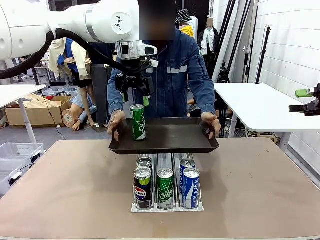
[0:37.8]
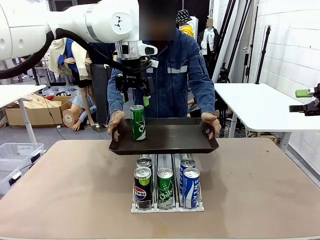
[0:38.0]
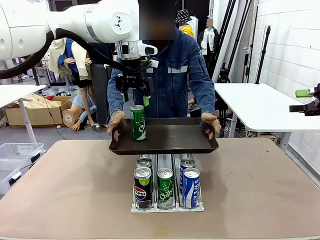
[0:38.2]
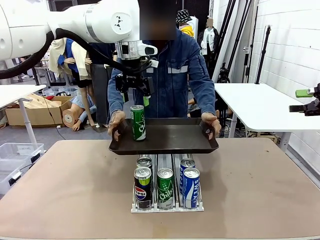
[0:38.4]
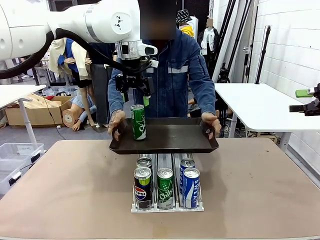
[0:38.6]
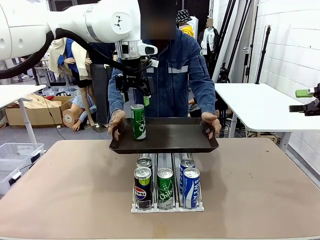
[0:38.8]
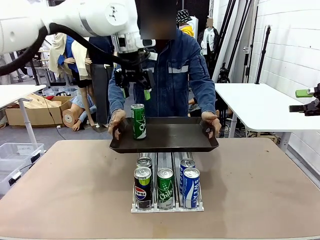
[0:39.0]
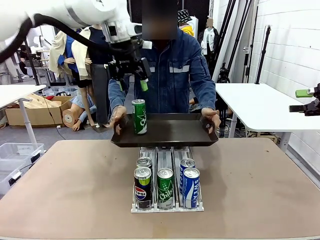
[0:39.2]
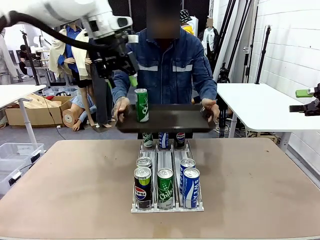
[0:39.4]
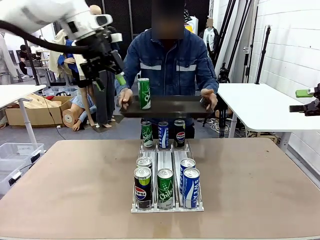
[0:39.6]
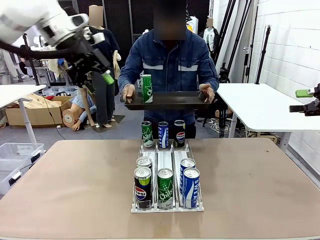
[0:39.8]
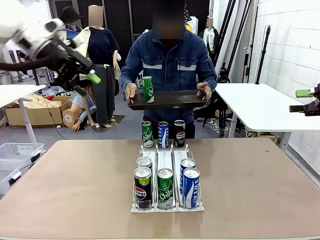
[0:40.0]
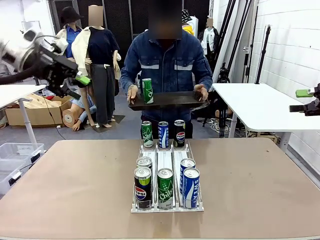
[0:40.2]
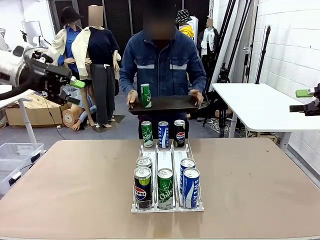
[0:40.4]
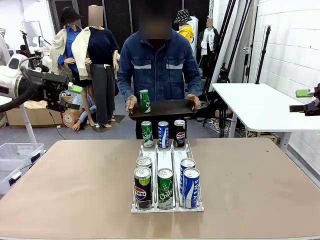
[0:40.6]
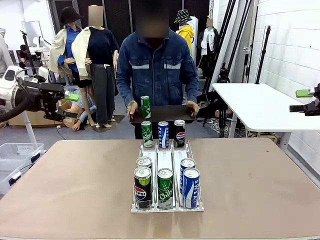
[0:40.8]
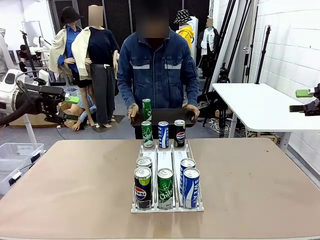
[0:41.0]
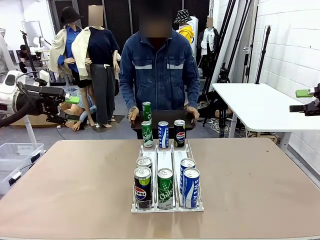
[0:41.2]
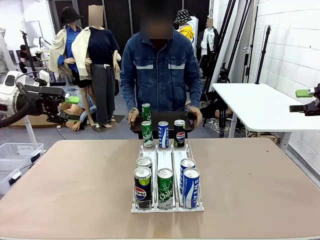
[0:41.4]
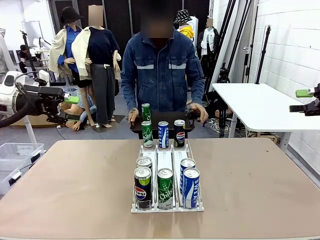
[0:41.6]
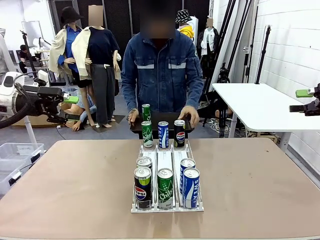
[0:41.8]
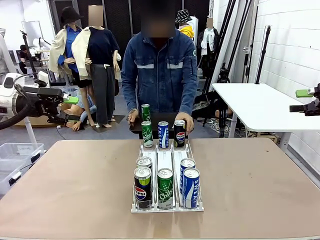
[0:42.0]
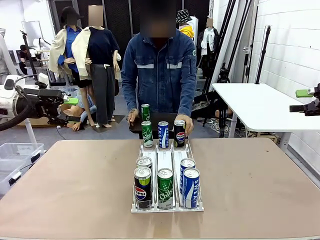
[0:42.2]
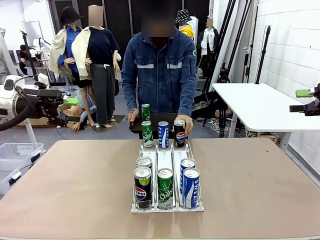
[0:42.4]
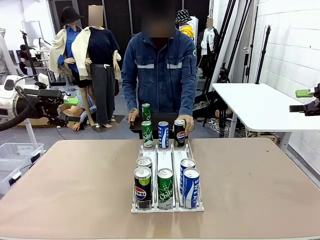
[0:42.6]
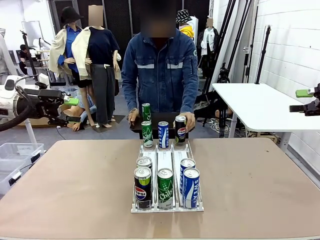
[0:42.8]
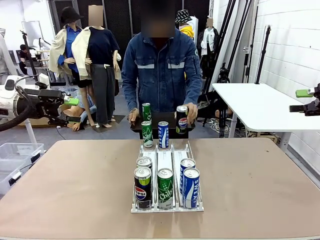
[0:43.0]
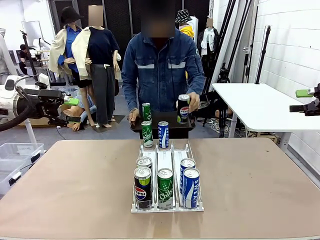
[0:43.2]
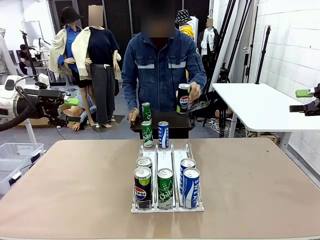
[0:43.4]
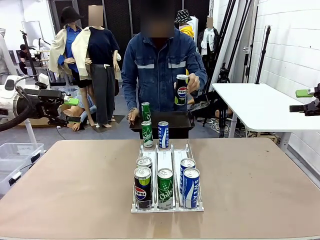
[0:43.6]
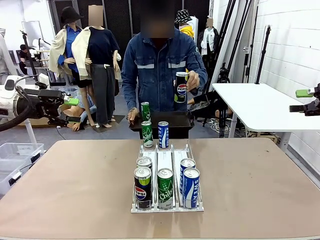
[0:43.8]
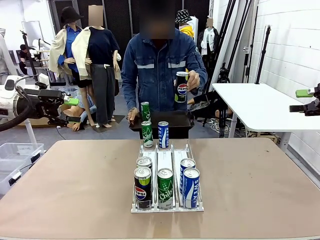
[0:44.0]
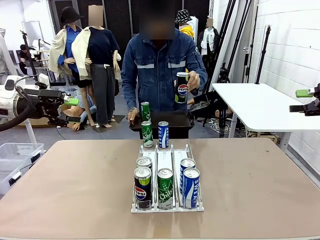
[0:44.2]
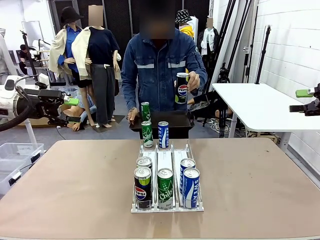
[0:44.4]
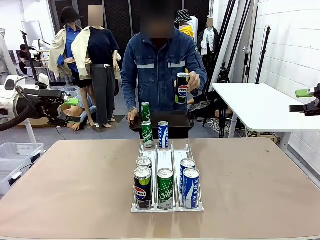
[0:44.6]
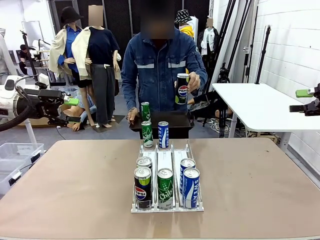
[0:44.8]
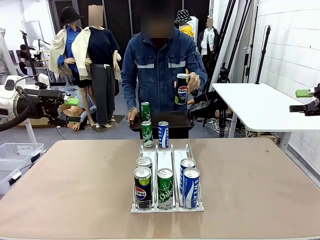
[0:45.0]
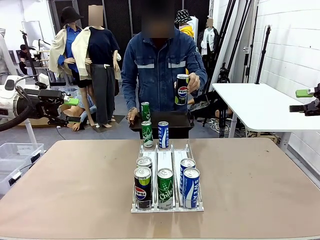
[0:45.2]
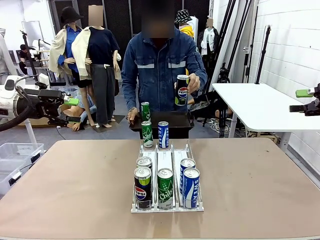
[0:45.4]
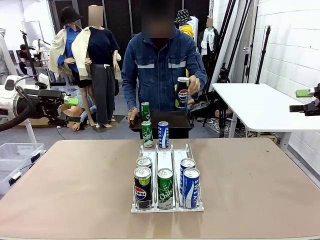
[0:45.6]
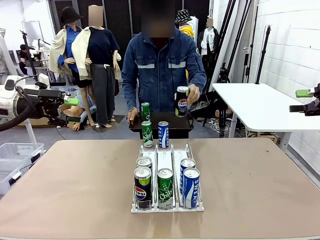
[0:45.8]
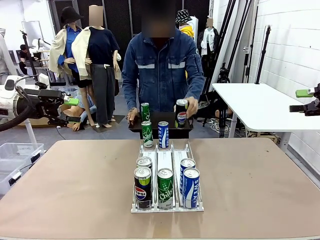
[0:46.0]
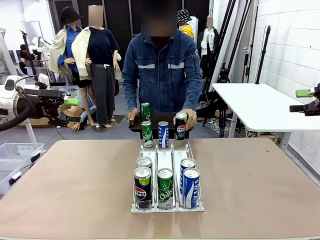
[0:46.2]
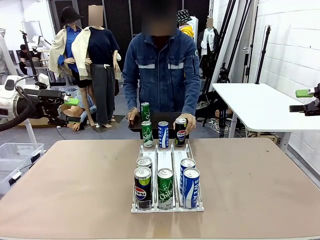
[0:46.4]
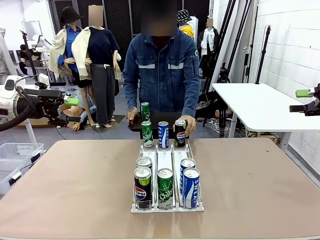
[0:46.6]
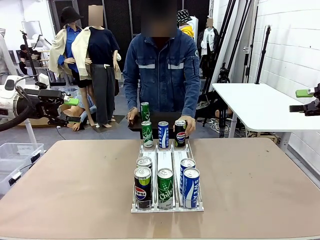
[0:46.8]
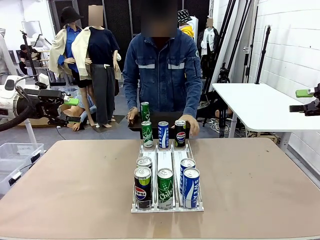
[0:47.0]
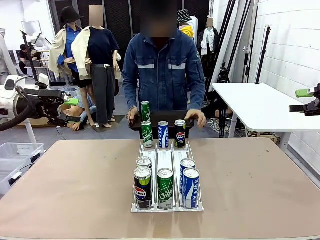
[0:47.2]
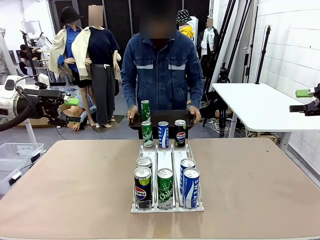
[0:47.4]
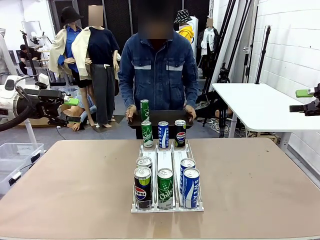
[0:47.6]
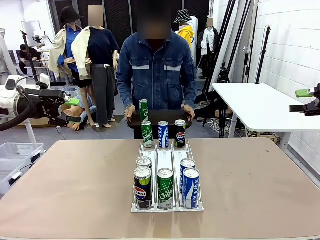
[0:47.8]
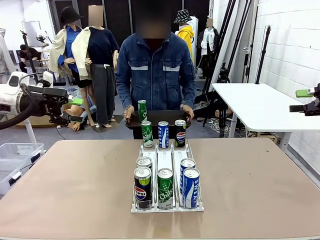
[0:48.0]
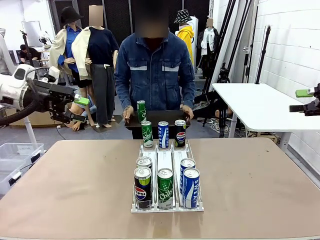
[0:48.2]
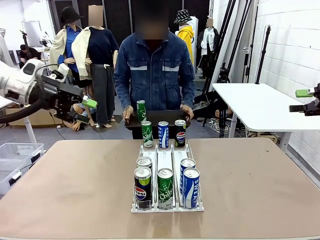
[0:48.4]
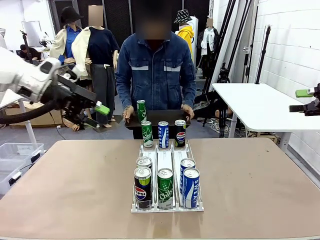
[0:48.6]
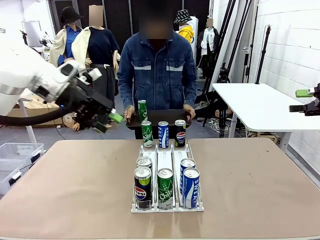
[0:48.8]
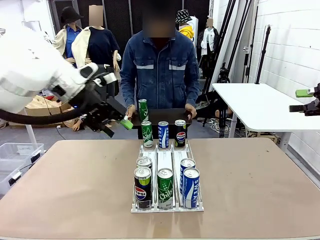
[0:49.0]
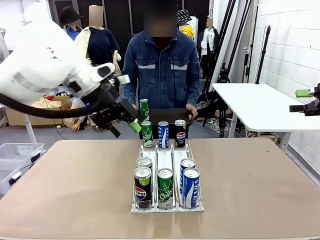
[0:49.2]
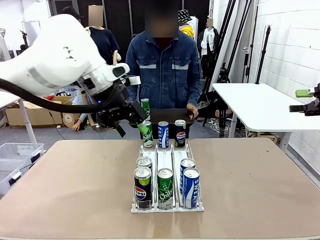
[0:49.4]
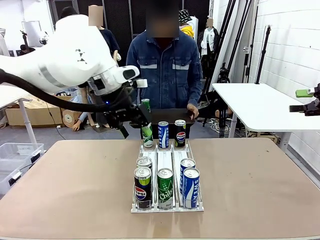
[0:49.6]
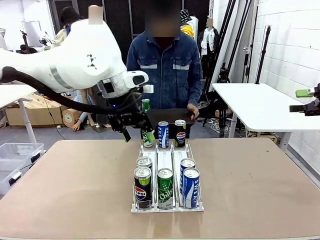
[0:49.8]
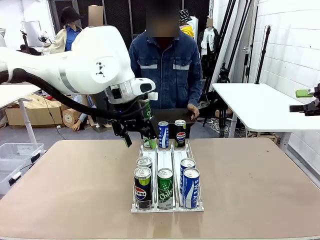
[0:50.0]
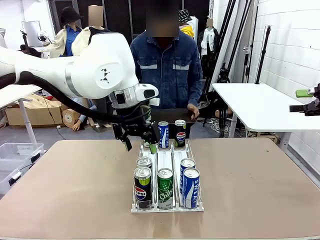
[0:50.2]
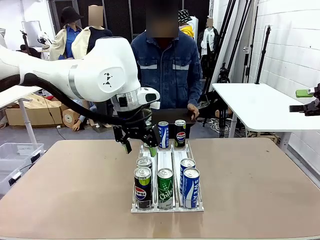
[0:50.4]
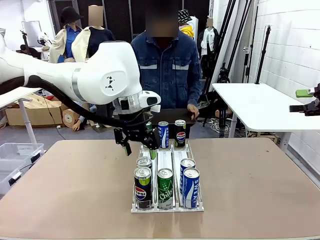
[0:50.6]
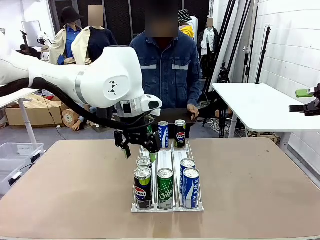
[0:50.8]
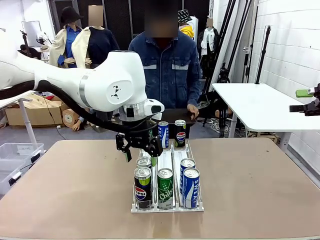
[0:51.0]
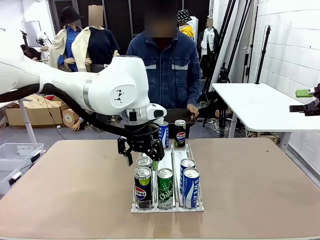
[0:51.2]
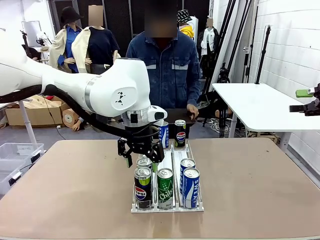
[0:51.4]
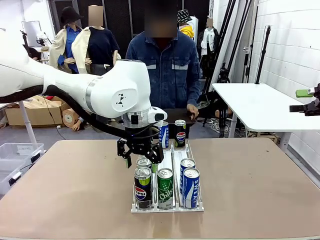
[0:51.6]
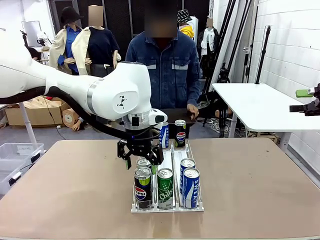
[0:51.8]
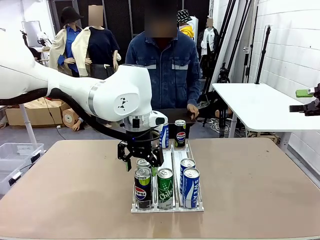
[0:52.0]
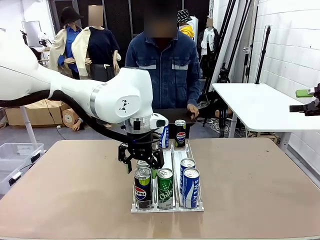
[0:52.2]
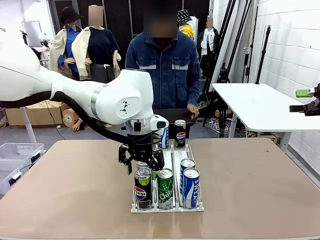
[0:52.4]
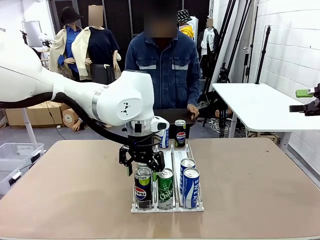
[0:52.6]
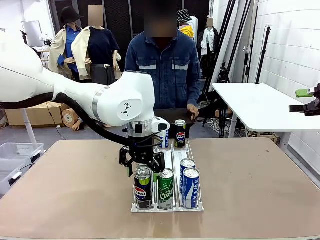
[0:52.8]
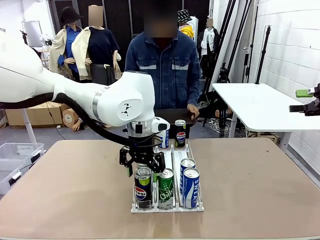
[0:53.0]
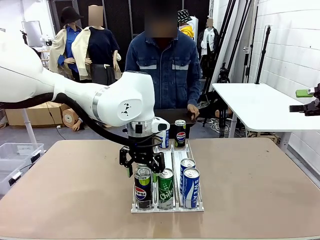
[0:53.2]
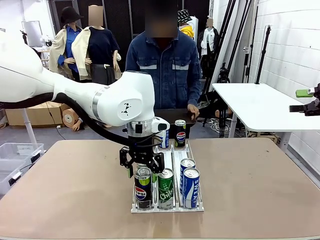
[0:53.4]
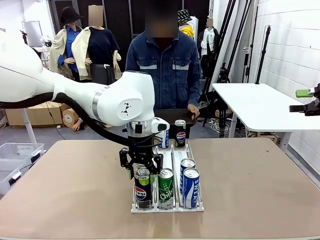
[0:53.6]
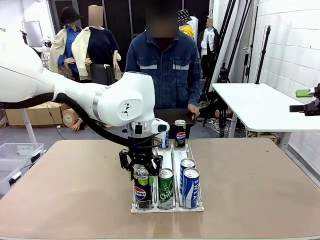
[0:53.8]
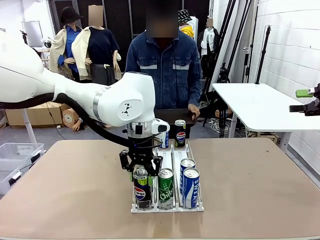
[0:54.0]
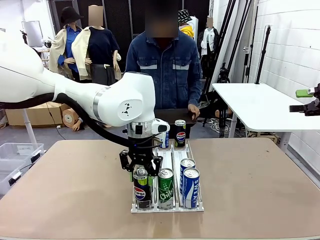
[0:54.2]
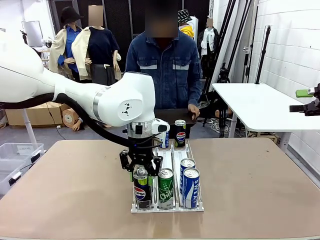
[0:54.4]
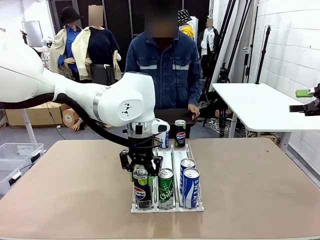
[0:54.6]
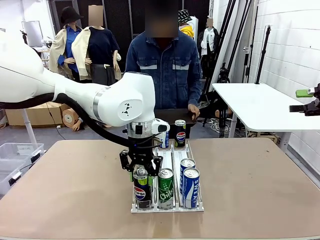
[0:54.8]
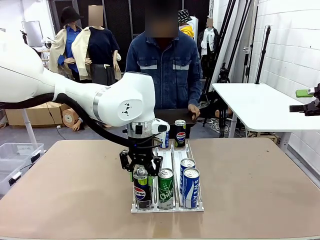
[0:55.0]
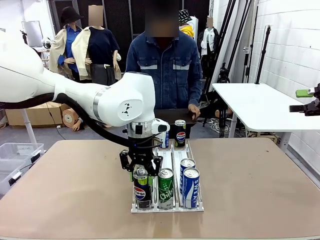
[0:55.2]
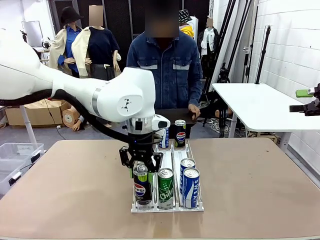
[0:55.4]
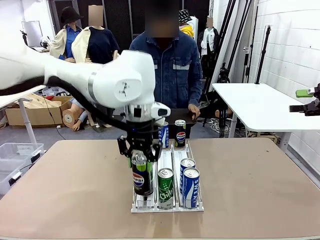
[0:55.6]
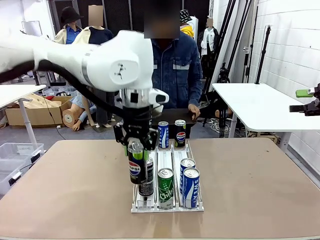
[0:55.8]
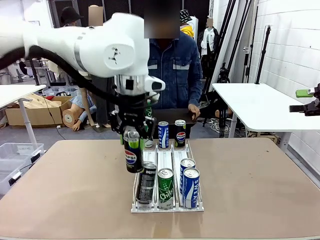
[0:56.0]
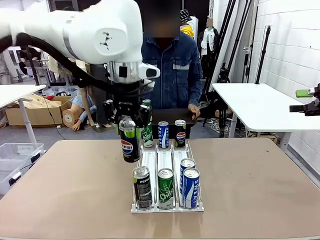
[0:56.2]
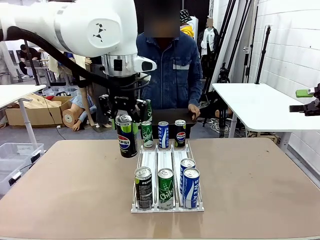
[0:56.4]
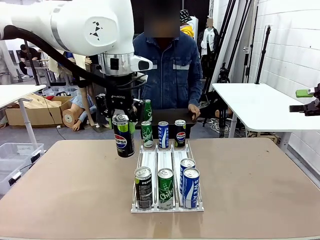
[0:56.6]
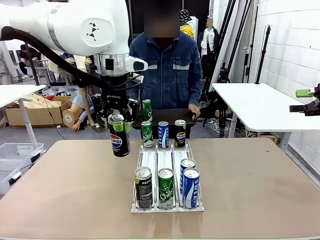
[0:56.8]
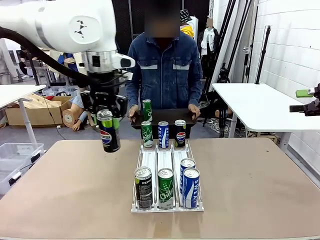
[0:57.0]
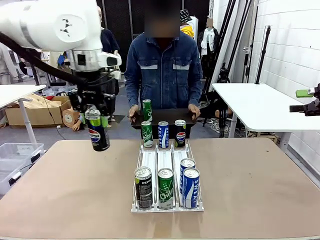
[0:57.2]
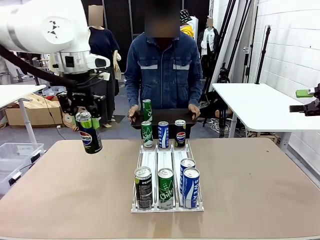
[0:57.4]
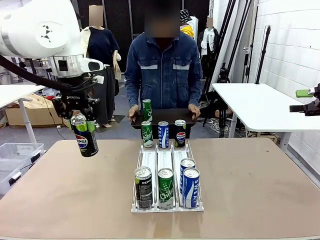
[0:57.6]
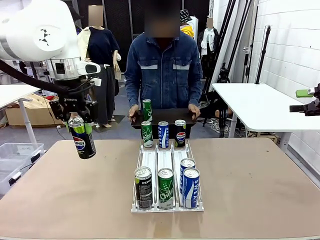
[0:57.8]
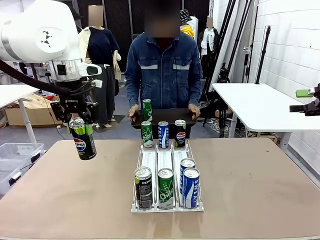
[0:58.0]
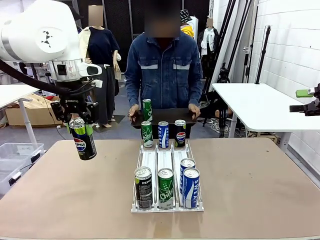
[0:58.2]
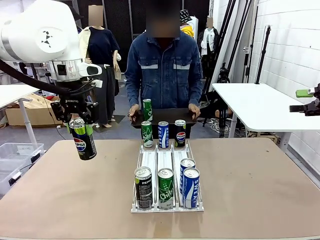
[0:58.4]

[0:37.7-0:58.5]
Task: Retrieve and hand over the desired beverage to the person.
Robot: Pick up another can of the same type that the person held from the Automatic Can Dispenser.
Person: Pull the tray back, then pick up another can from the bottom area of the table and puts it back in its original place. Push the tray toward the robot again.
